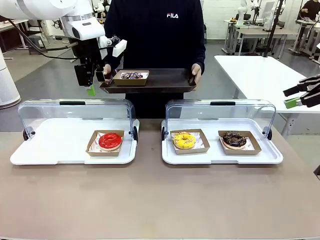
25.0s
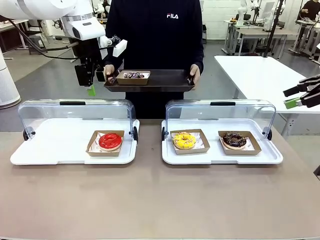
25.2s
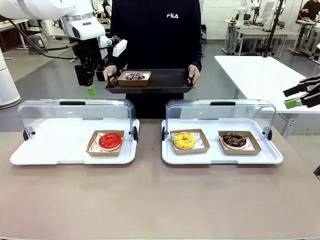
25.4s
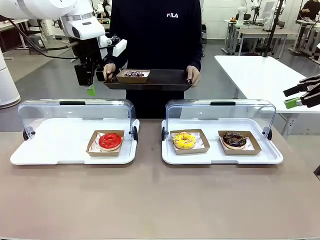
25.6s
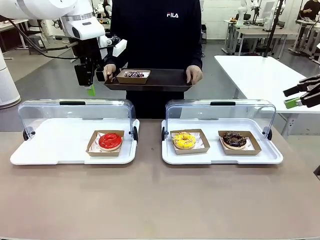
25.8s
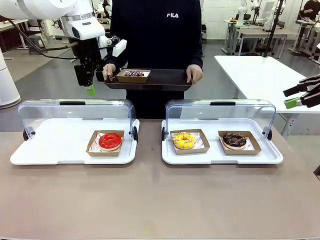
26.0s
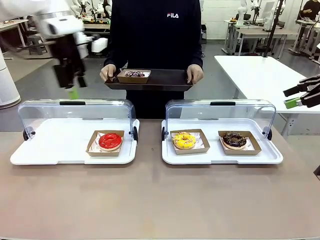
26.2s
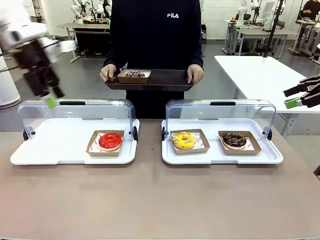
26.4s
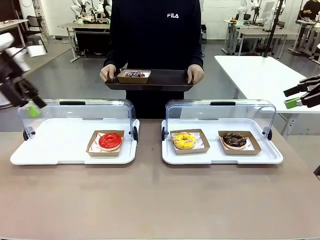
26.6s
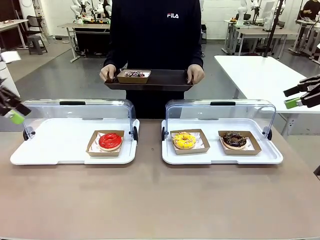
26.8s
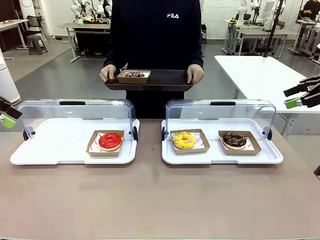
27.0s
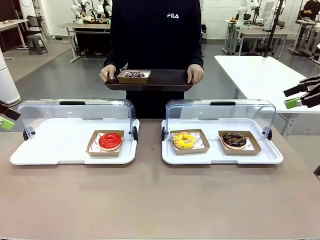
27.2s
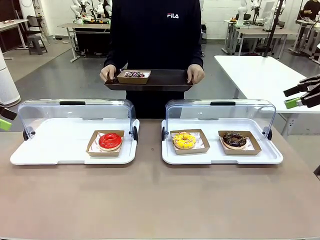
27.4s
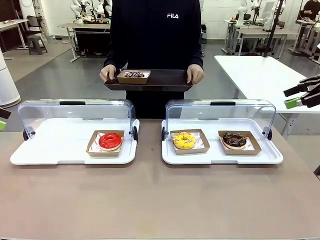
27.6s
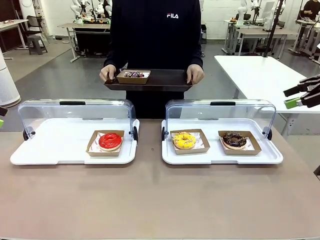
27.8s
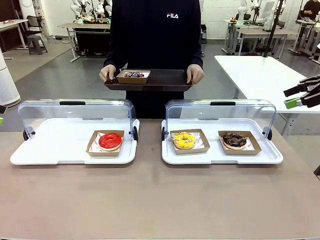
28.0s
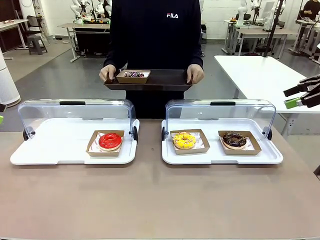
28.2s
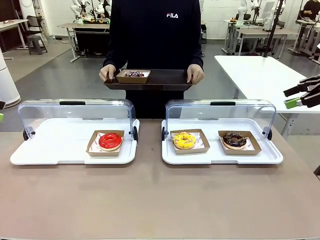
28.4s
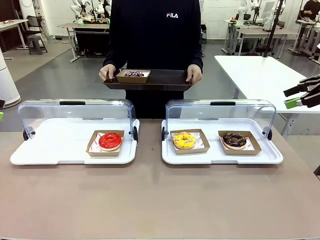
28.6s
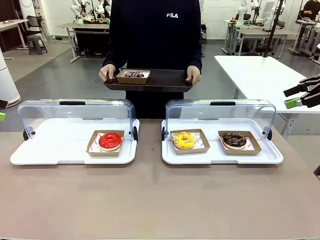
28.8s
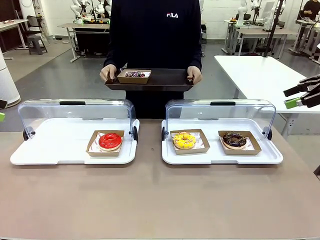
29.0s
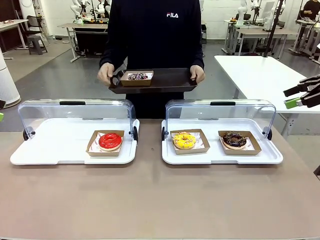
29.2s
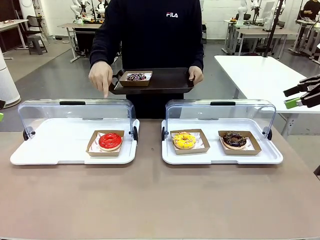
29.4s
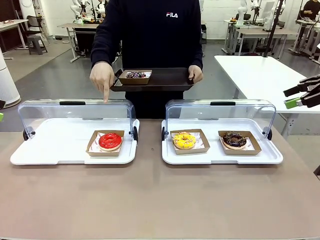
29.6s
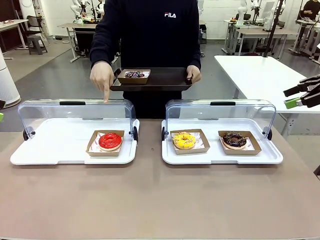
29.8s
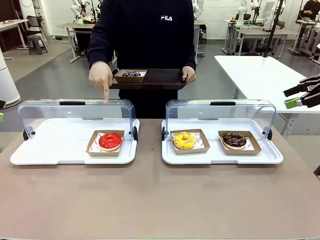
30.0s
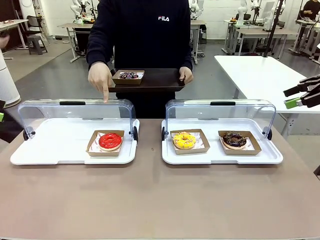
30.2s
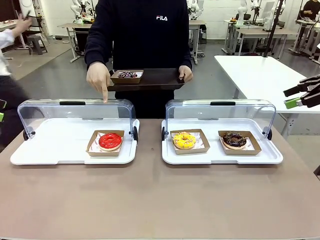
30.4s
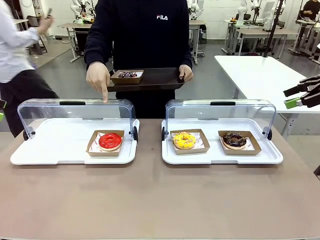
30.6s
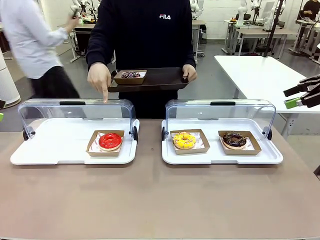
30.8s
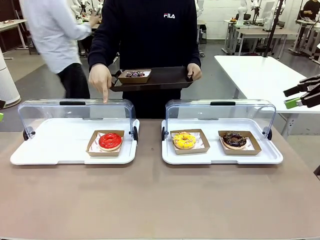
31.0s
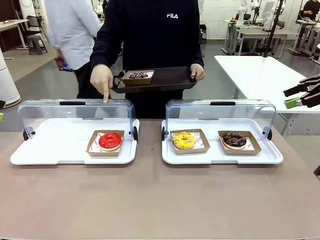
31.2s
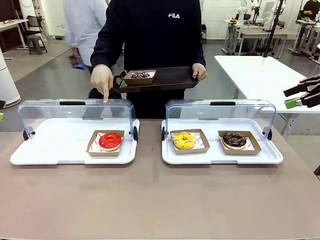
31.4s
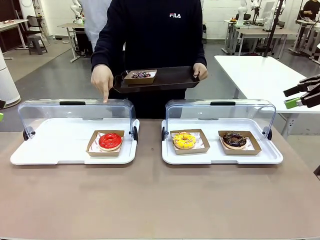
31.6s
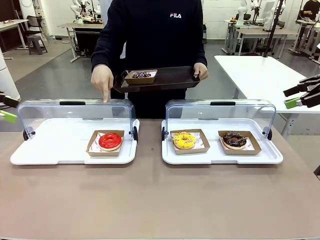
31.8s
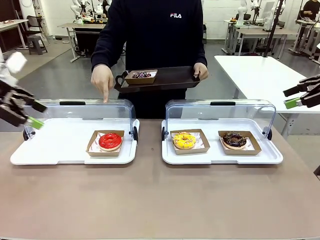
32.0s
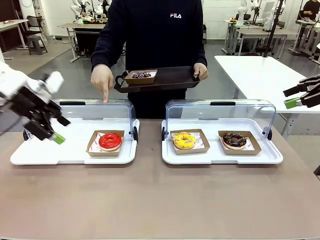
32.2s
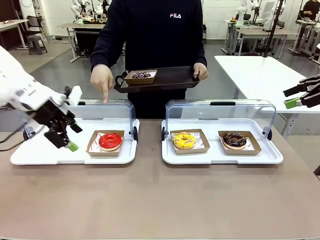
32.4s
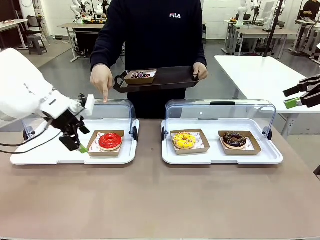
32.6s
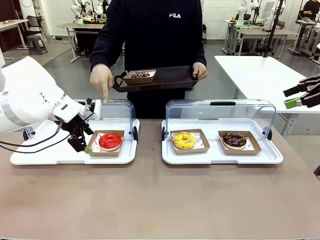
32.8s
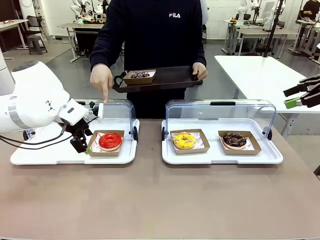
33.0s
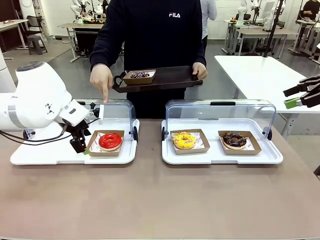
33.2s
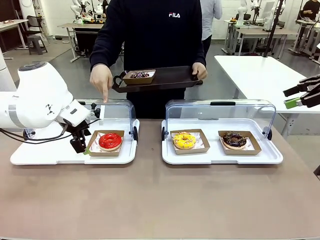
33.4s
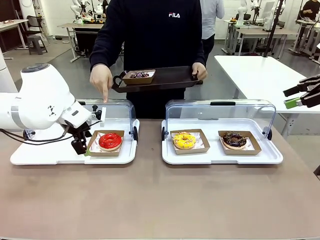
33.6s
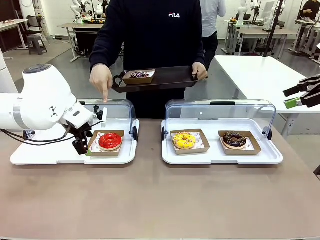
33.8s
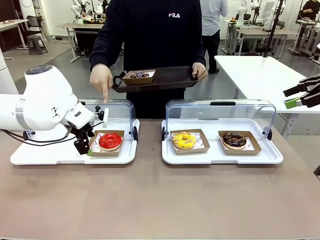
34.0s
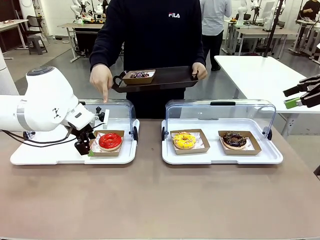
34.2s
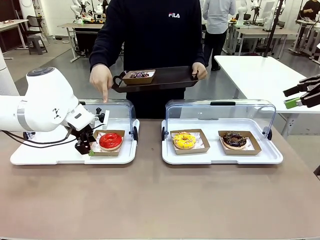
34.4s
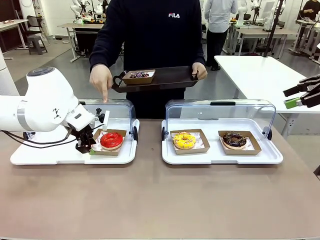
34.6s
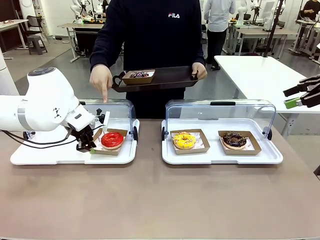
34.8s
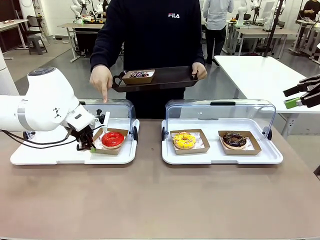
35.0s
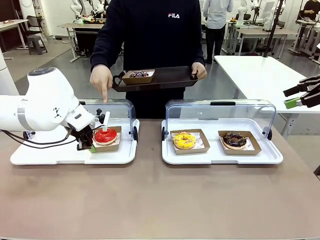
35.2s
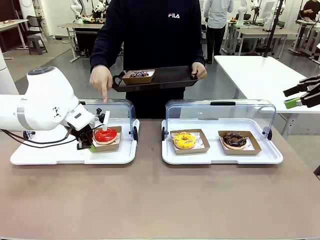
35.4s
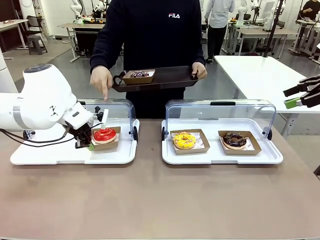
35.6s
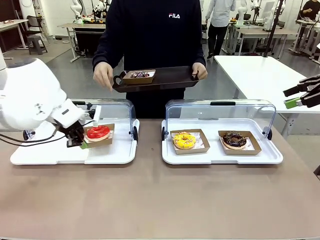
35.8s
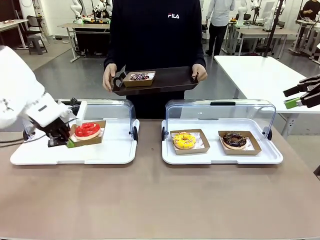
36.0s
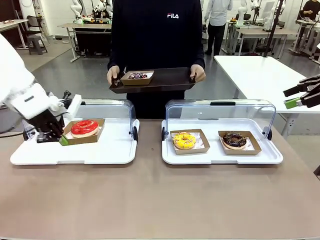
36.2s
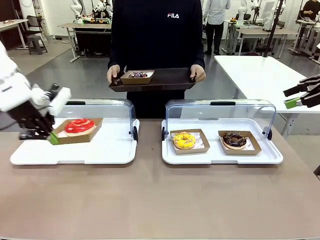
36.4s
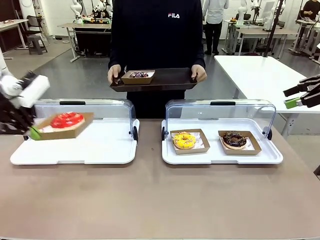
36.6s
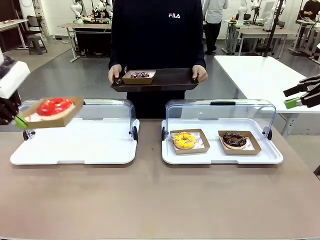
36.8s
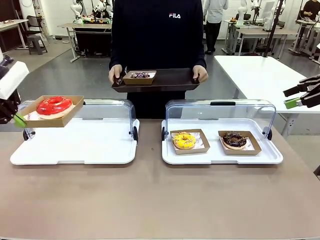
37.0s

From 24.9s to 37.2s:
Task: Provide the desired donut to the person.
Robot: Pick up and lift the Paper togo box containing the Donut pointed at by the person.
Person: Lift the tray onto the Roll-Top Bakery Case.

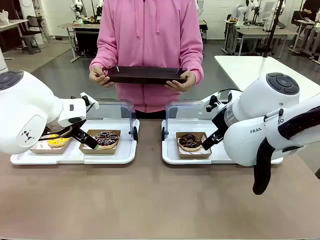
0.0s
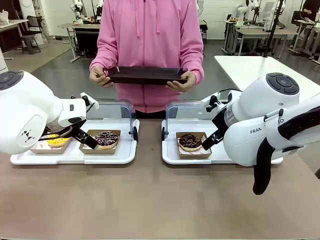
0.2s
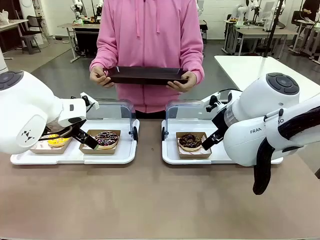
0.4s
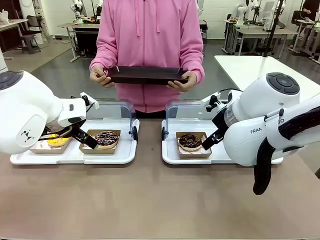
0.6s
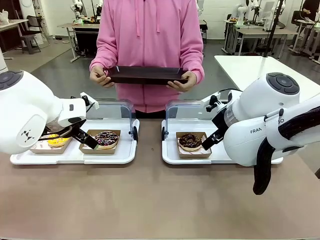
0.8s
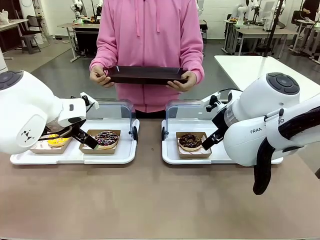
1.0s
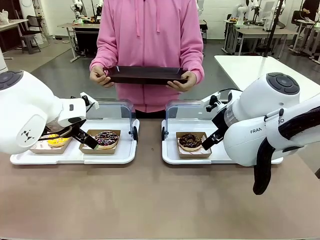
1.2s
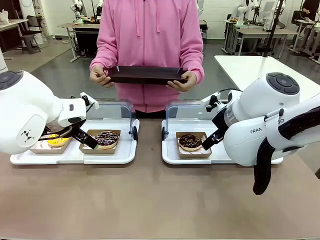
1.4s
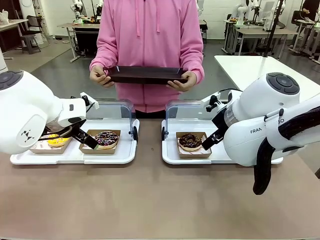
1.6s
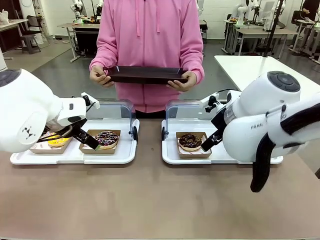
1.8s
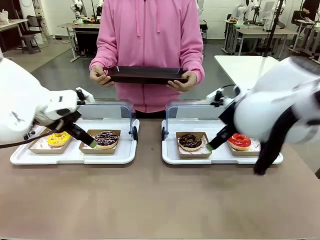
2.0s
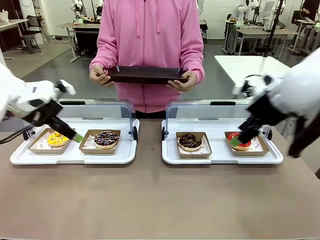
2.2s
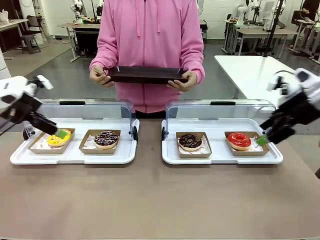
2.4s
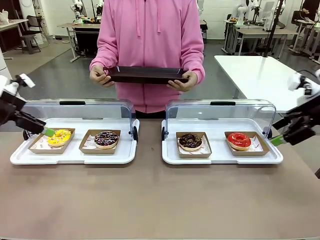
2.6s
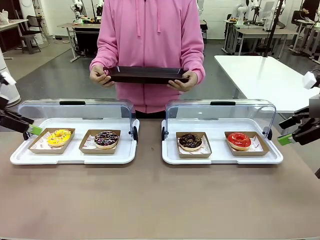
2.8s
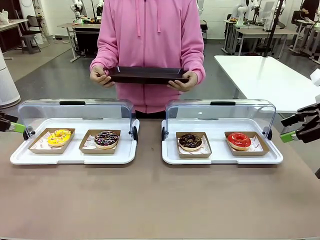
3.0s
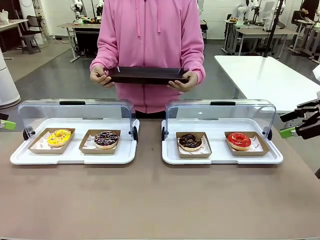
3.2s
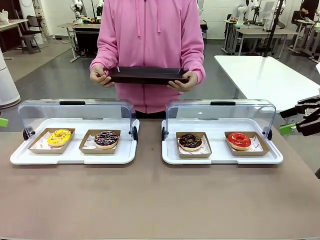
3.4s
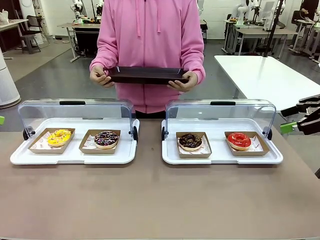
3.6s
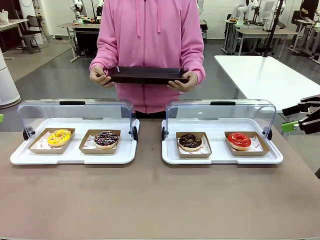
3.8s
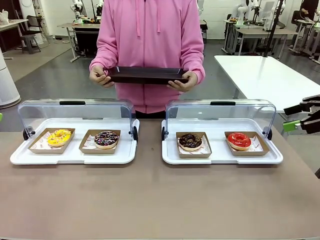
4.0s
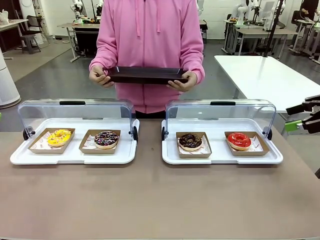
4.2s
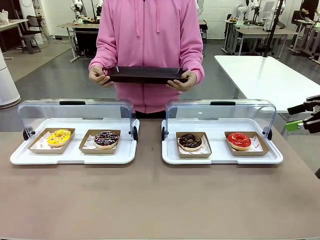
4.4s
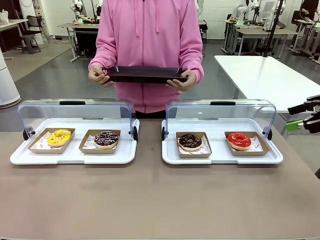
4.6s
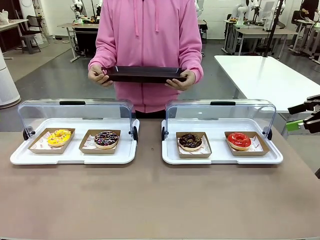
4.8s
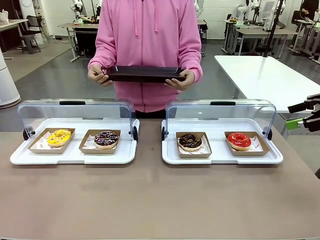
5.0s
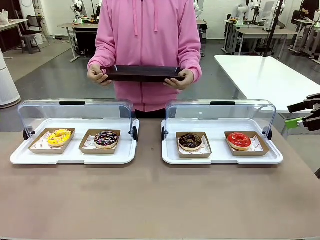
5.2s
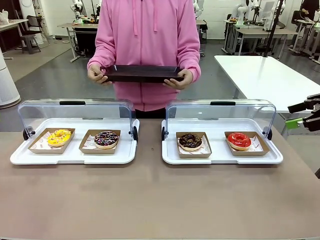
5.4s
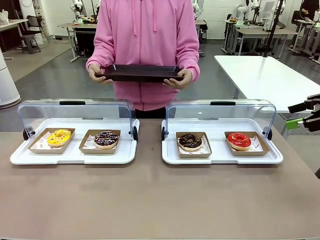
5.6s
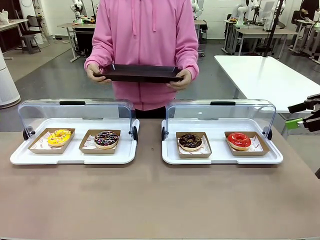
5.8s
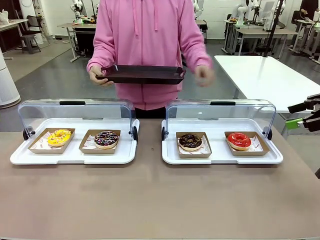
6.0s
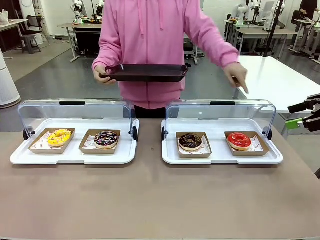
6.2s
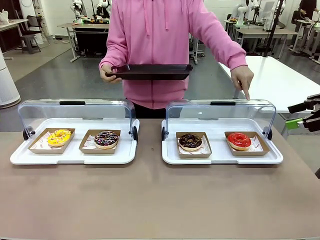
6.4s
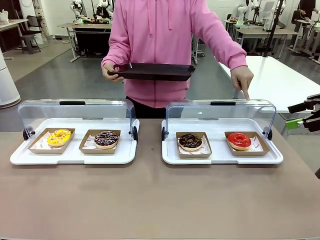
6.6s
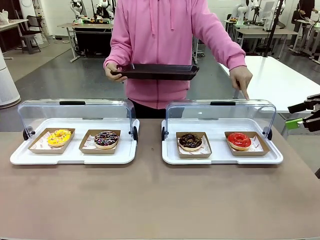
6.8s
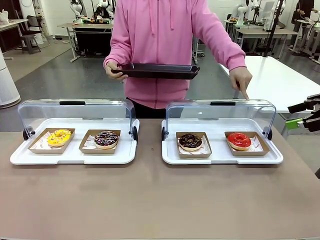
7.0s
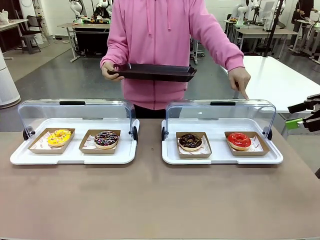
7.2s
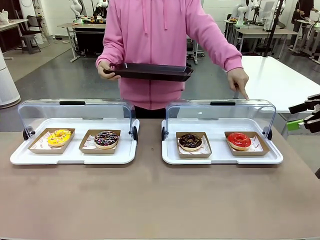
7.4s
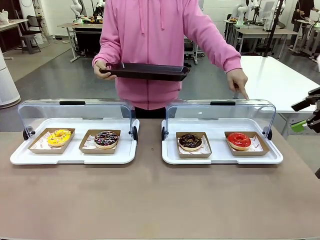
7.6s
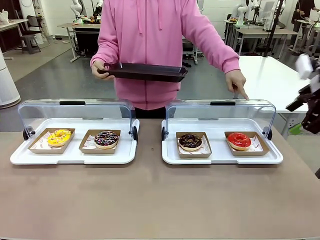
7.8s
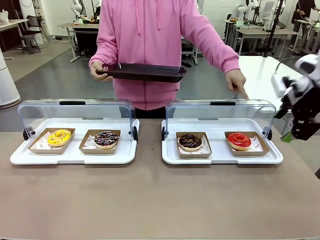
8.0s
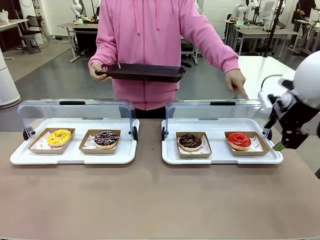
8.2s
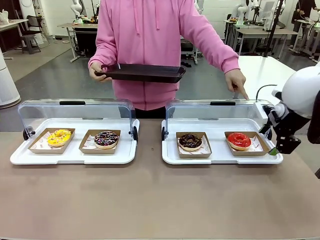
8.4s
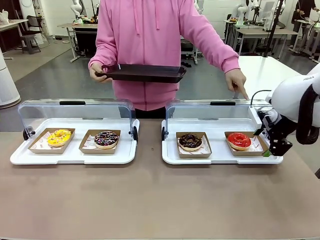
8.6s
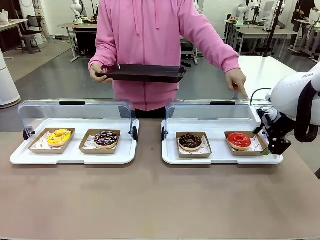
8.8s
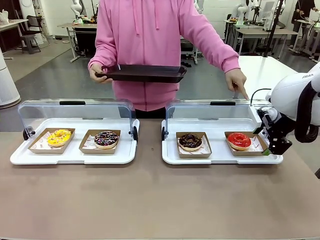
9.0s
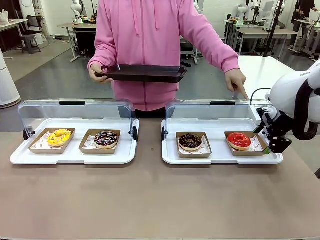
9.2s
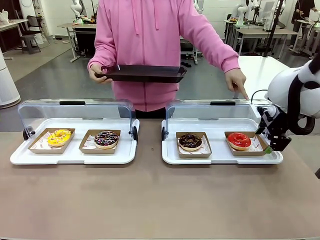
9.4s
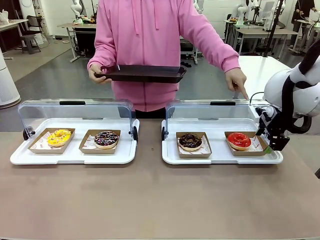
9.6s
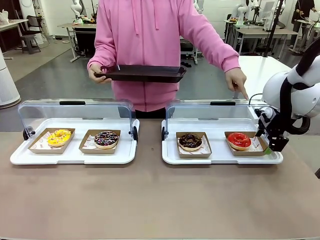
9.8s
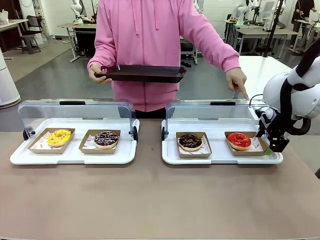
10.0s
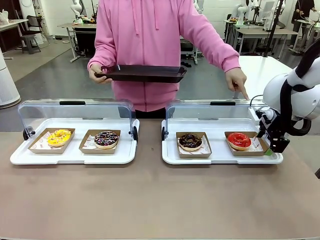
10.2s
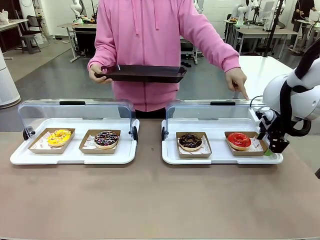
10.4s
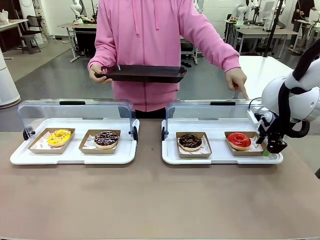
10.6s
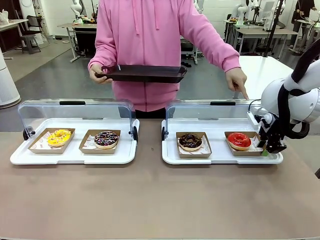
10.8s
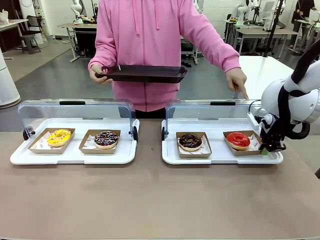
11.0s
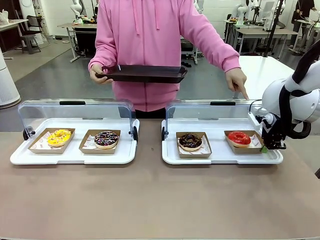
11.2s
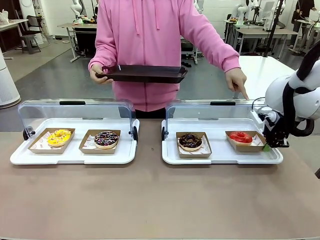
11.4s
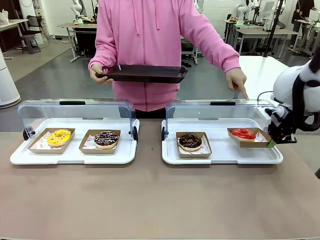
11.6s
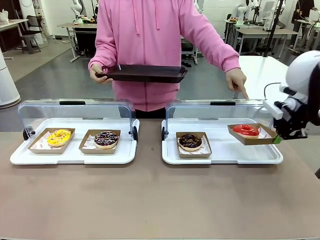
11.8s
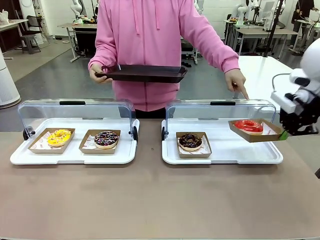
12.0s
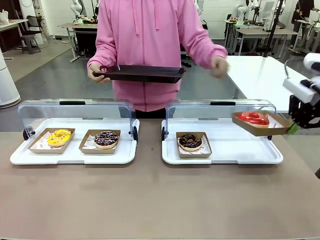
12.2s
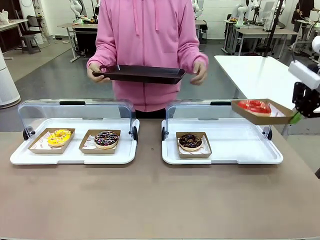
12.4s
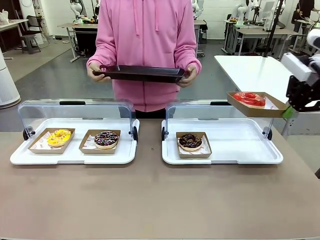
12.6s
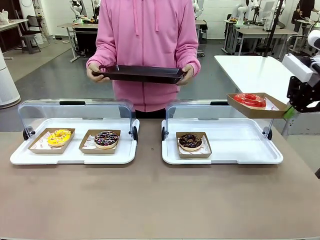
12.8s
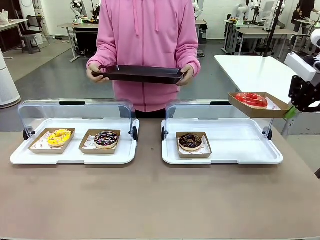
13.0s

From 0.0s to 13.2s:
Task: Provide the desired donut to the person.
Robot: Pick up and lift the Paper togo box containing the Donut pointed at by the person.
Person: Point to one donut. Lift the tray onto the Roll-Top Bakery Case.
